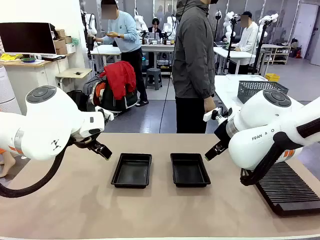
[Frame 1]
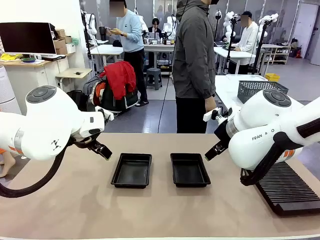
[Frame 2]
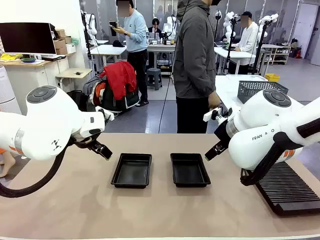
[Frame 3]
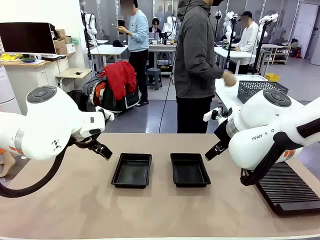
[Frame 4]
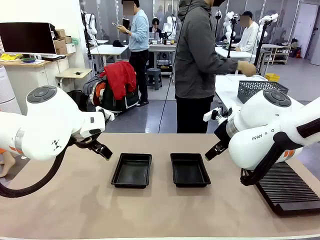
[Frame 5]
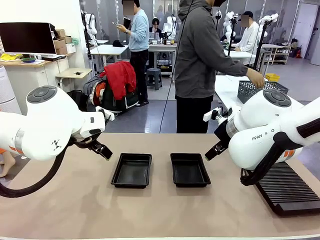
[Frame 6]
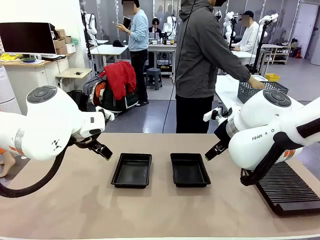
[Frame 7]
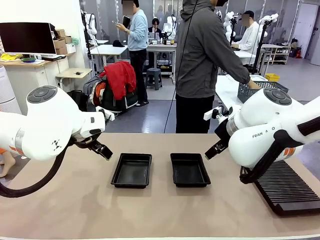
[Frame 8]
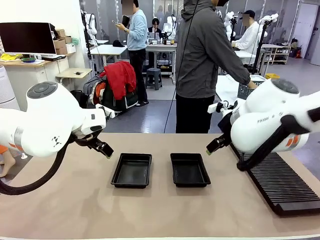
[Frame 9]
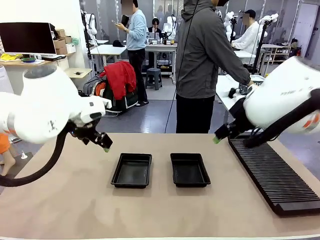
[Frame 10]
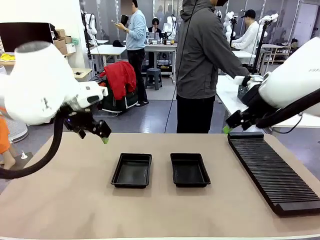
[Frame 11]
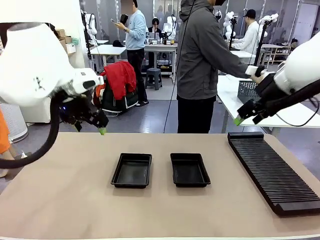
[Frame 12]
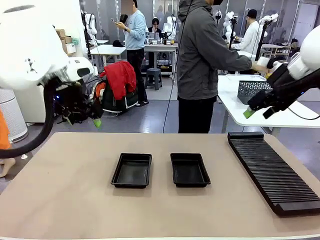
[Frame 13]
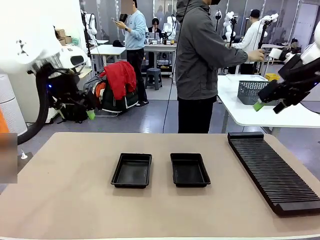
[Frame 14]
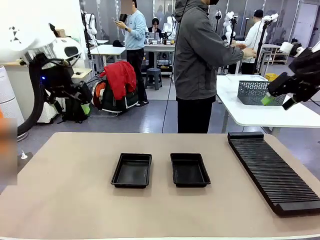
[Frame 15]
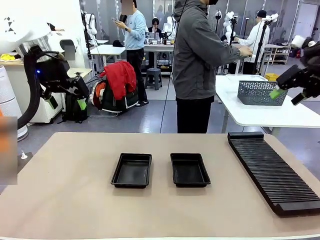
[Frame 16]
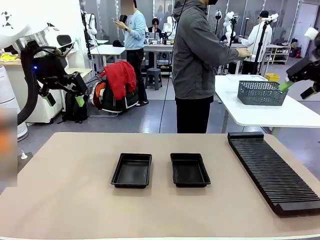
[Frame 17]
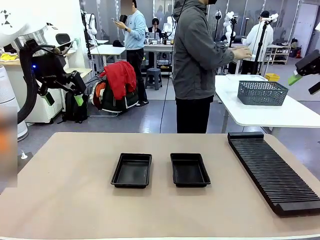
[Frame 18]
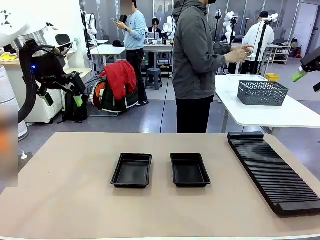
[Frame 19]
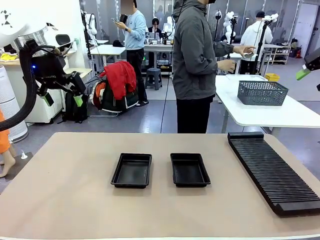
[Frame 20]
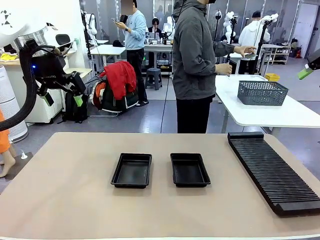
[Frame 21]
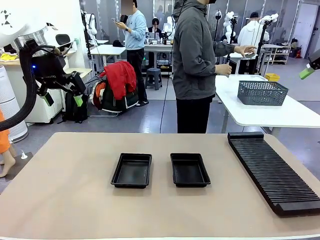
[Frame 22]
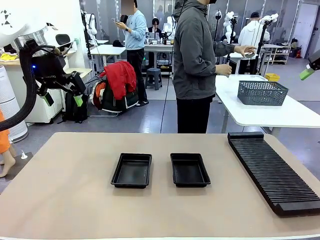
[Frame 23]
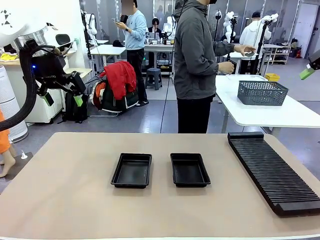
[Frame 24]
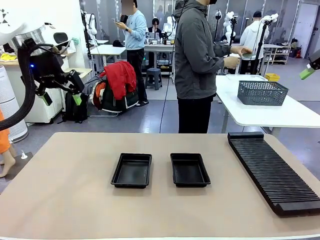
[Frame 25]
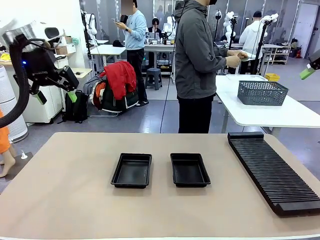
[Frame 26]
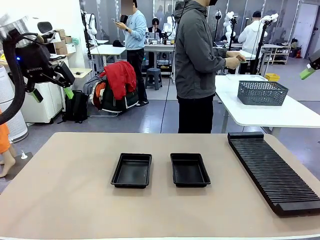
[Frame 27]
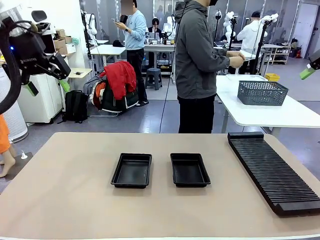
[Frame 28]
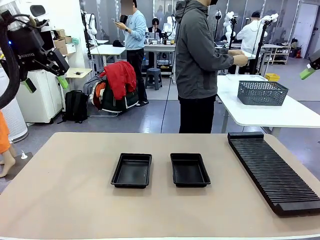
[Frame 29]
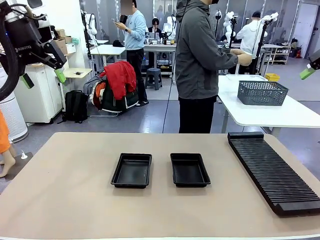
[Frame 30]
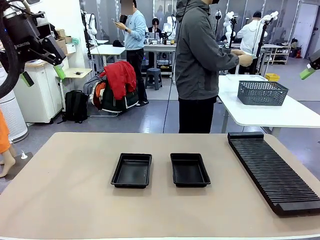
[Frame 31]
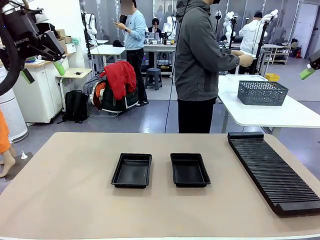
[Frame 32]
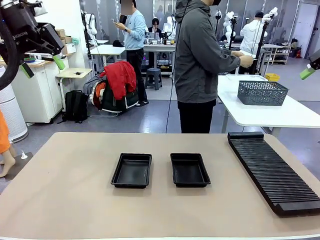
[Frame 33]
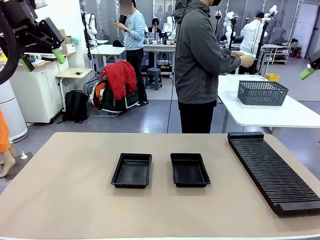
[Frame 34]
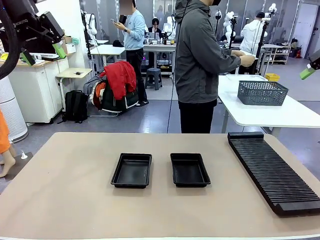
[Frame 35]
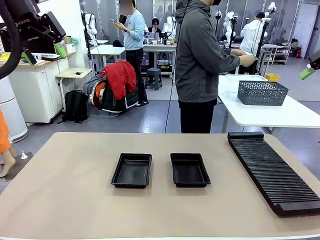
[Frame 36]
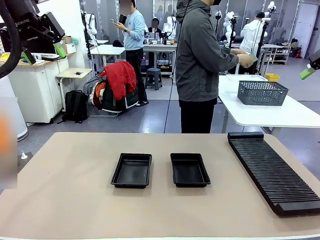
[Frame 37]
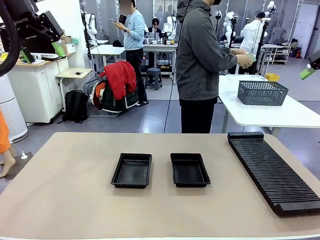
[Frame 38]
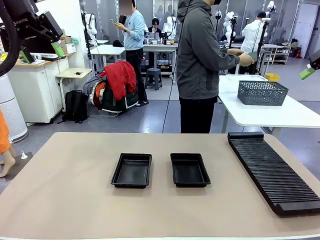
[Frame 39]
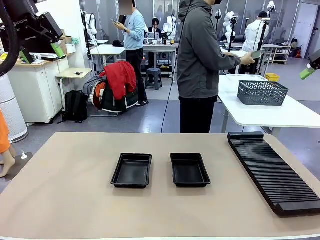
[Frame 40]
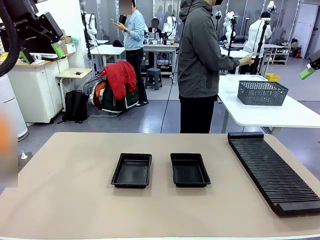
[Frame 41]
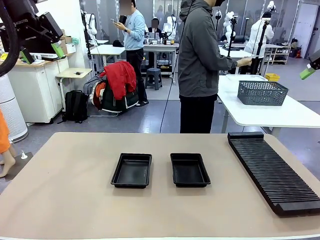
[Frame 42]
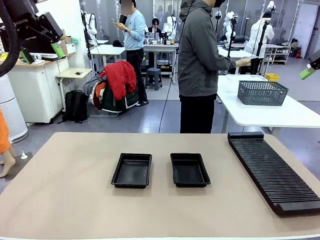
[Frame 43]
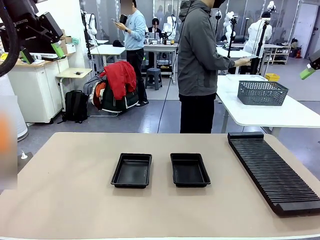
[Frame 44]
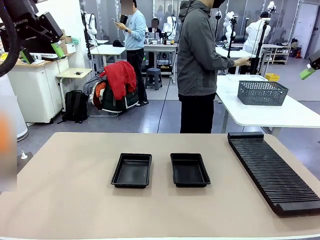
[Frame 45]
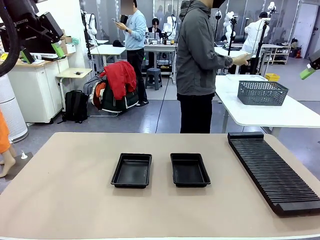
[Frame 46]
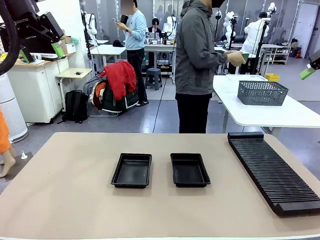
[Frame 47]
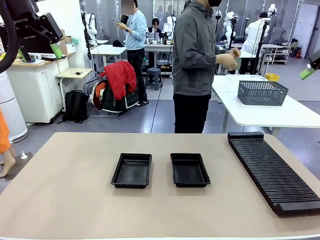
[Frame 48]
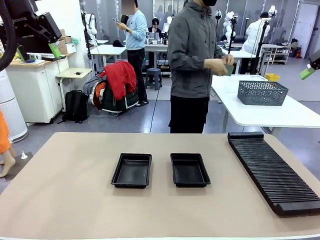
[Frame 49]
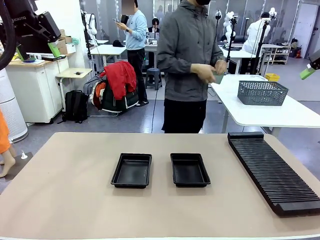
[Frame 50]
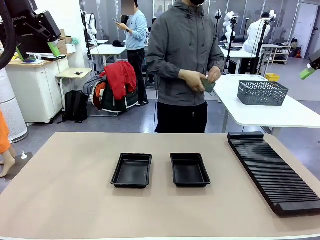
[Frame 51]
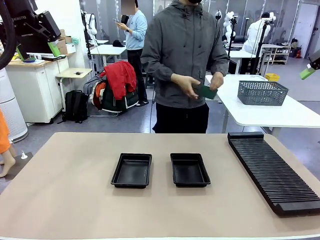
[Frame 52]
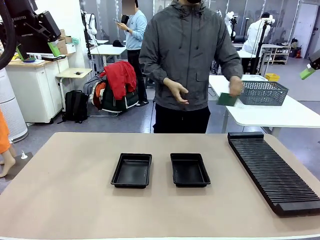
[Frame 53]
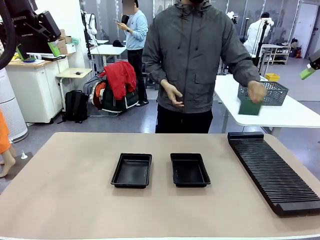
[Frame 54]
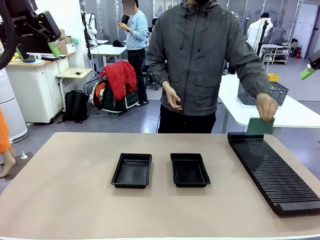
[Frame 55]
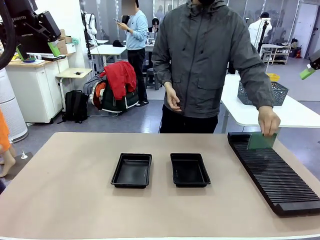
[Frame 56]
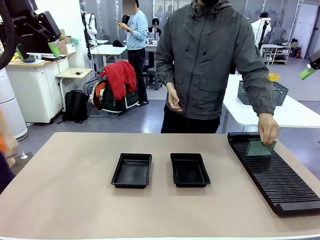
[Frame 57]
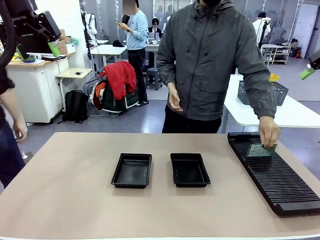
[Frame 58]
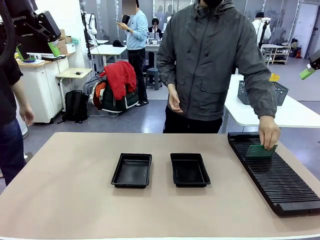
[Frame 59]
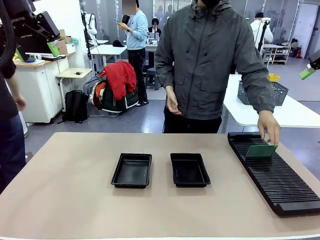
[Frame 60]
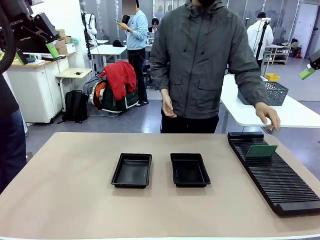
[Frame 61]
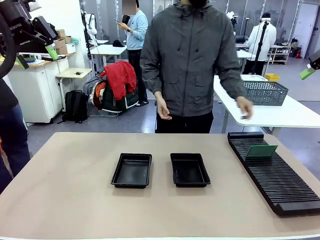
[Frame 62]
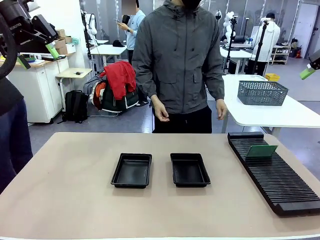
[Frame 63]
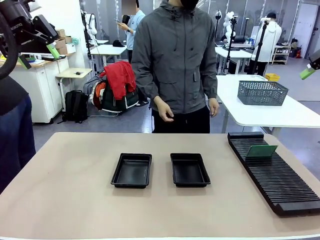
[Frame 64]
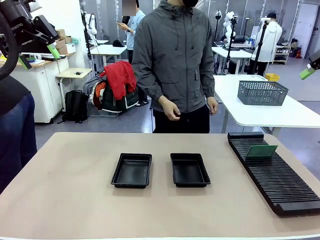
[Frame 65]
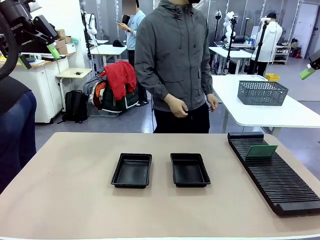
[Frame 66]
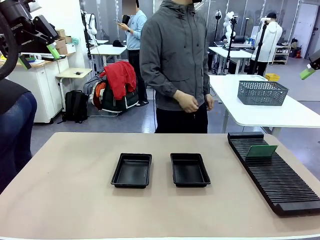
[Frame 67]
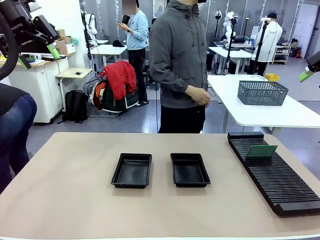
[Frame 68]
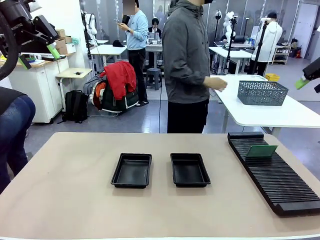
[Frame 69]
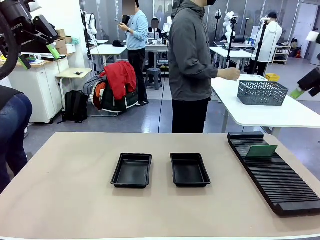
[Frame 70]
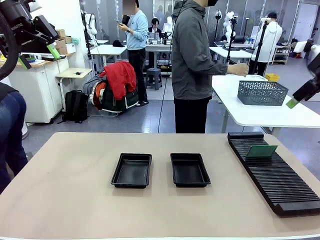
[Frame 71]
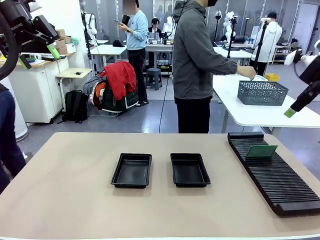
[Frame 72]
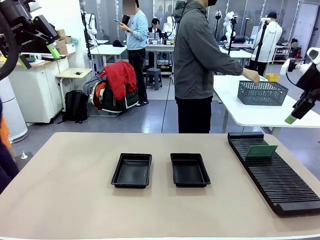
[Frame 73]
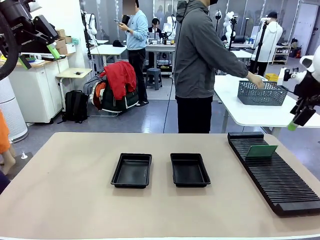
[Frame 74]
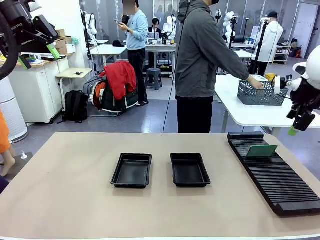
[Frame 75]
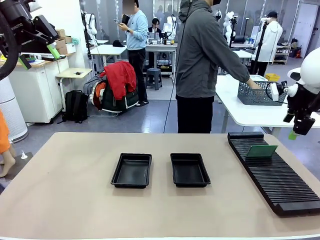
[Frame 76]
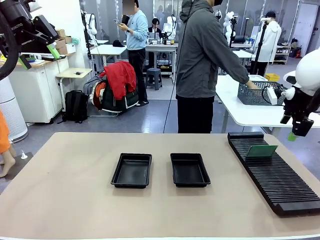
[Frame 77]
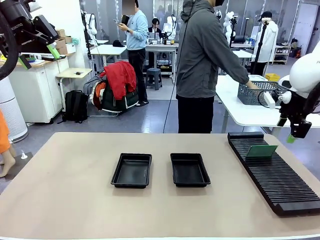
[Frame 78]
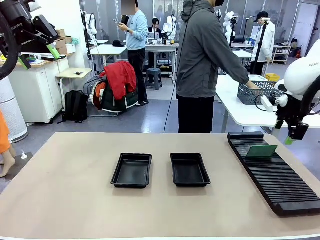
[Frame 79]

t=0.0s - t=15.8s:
Task: Inspect and transfer BCBs to ESD trays.
Robot: Pick up the Blank PCB from the PCB Rack and place it in the left ESD tray.
